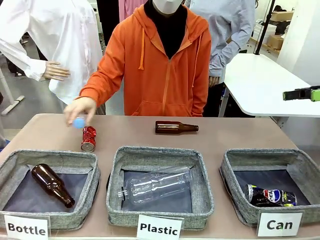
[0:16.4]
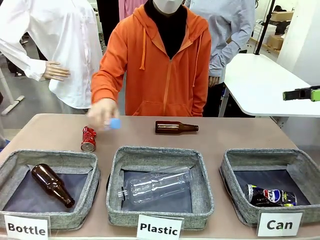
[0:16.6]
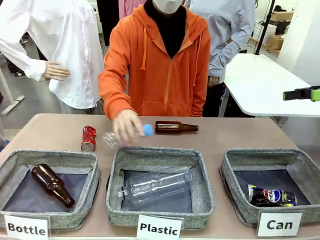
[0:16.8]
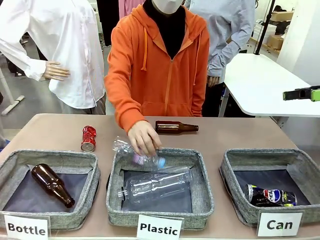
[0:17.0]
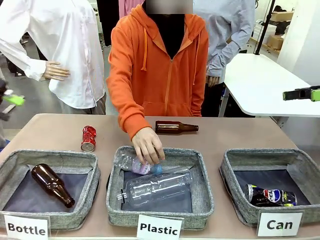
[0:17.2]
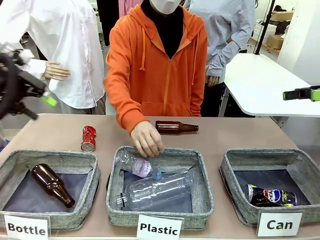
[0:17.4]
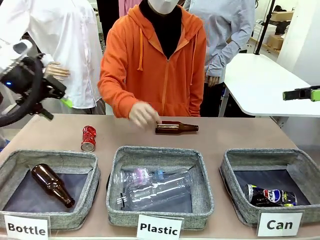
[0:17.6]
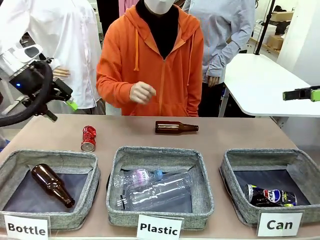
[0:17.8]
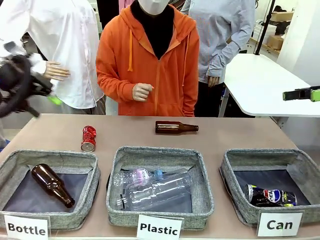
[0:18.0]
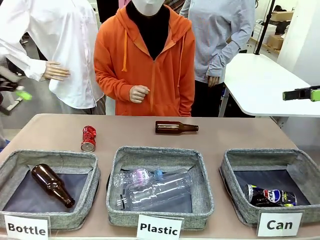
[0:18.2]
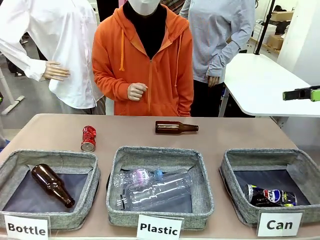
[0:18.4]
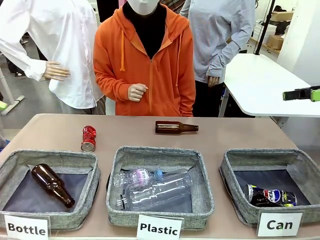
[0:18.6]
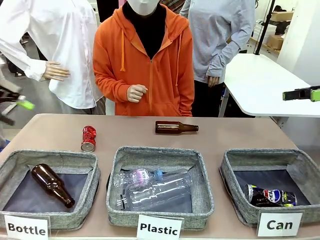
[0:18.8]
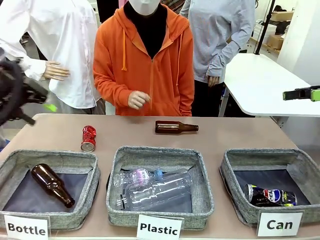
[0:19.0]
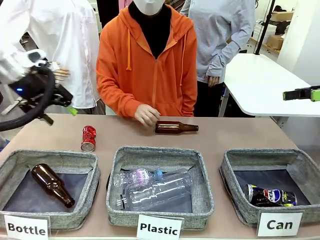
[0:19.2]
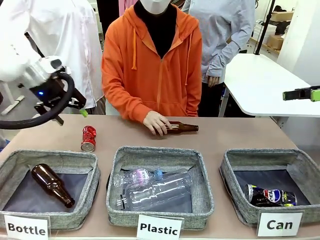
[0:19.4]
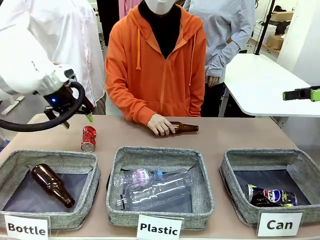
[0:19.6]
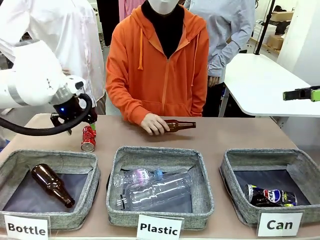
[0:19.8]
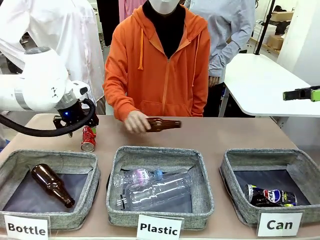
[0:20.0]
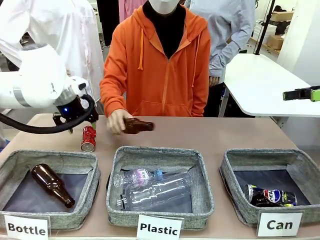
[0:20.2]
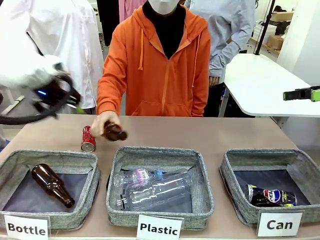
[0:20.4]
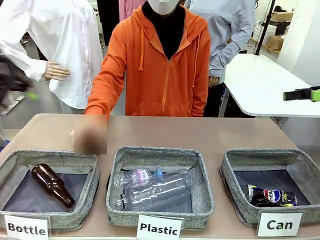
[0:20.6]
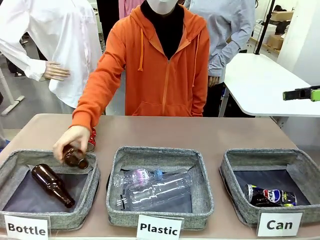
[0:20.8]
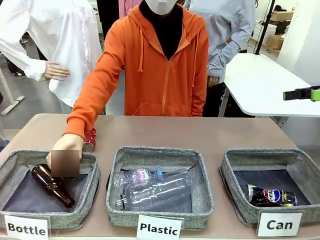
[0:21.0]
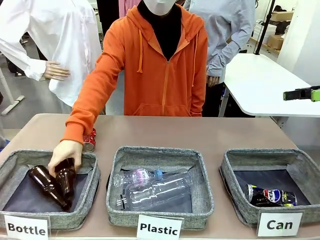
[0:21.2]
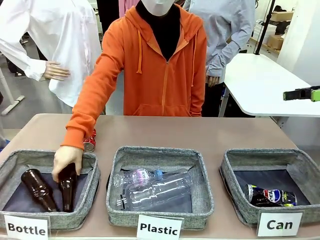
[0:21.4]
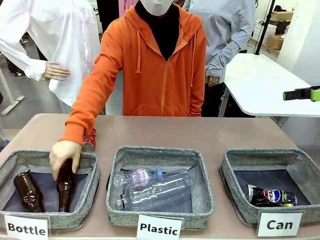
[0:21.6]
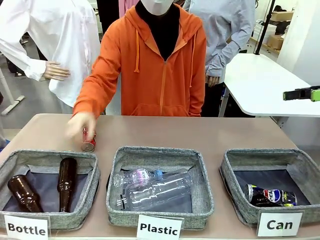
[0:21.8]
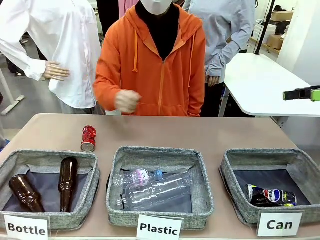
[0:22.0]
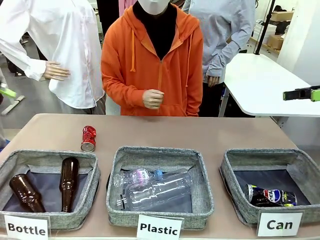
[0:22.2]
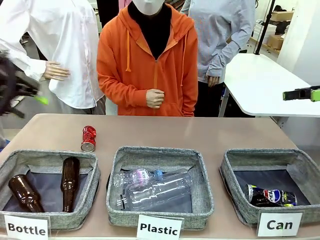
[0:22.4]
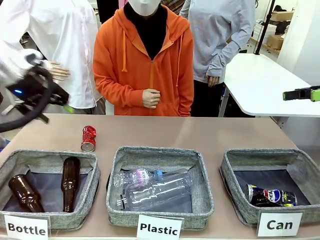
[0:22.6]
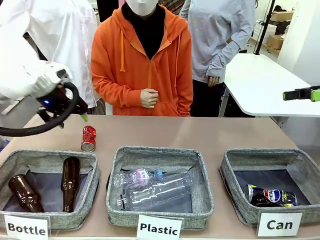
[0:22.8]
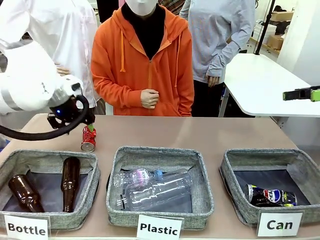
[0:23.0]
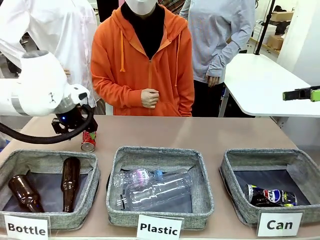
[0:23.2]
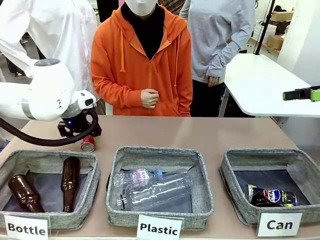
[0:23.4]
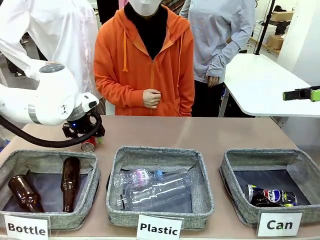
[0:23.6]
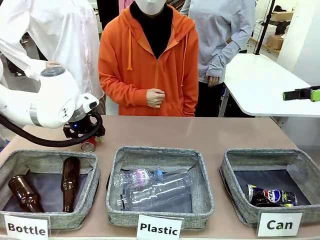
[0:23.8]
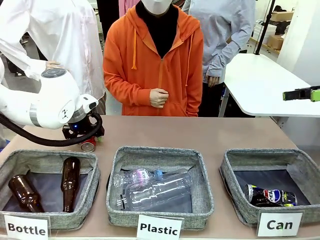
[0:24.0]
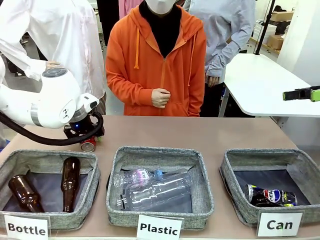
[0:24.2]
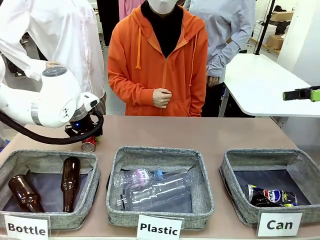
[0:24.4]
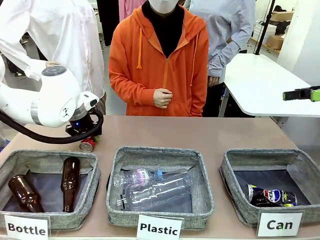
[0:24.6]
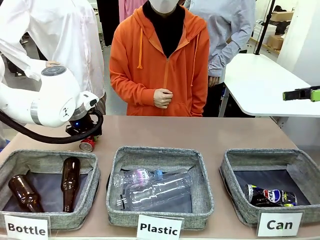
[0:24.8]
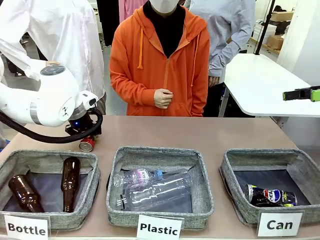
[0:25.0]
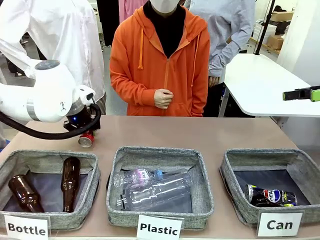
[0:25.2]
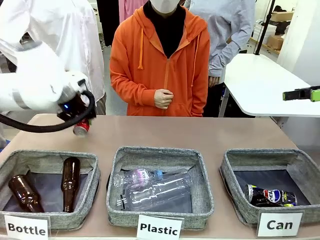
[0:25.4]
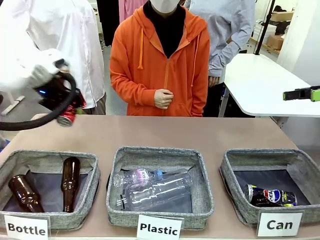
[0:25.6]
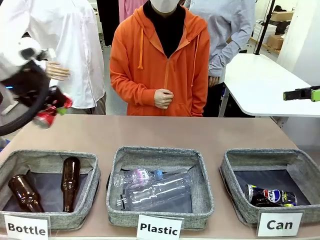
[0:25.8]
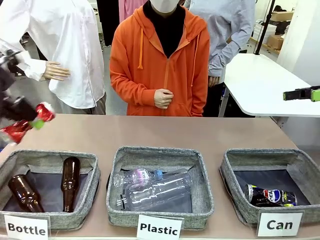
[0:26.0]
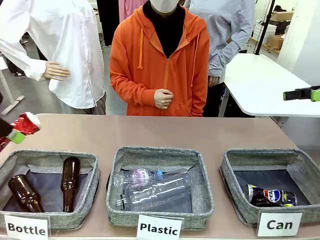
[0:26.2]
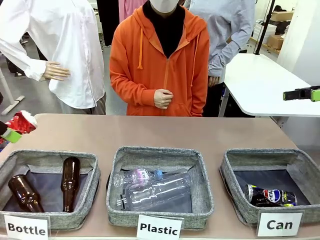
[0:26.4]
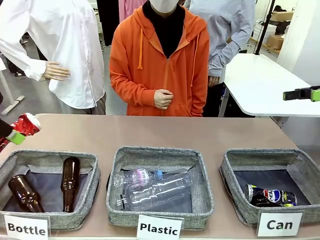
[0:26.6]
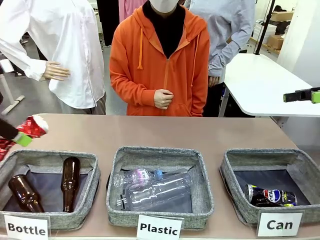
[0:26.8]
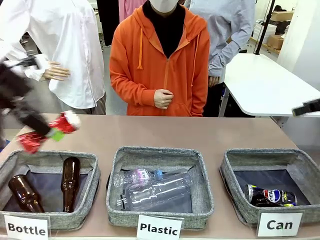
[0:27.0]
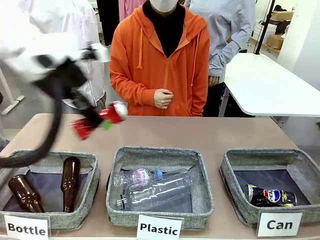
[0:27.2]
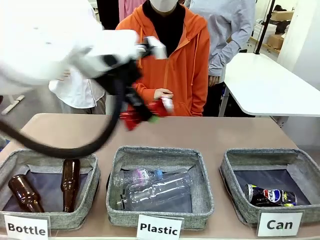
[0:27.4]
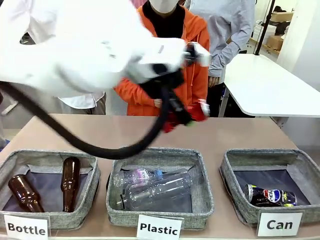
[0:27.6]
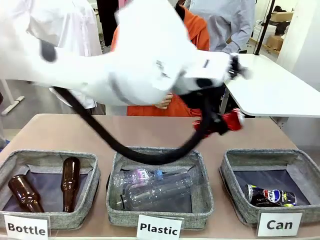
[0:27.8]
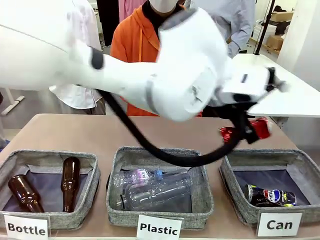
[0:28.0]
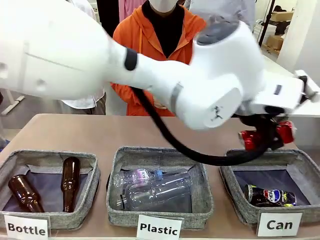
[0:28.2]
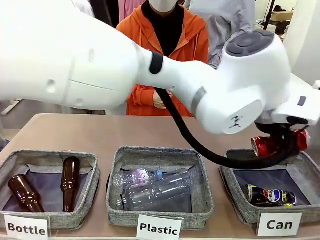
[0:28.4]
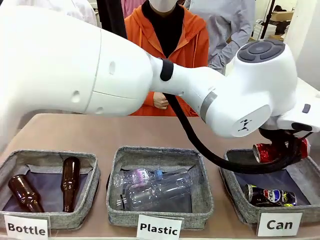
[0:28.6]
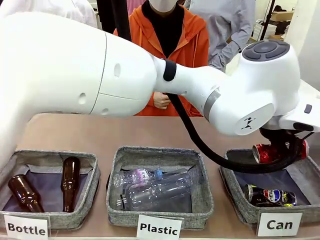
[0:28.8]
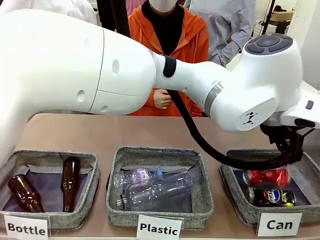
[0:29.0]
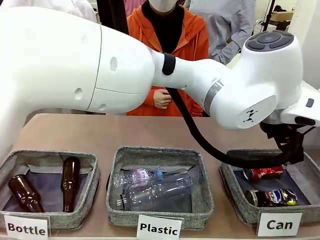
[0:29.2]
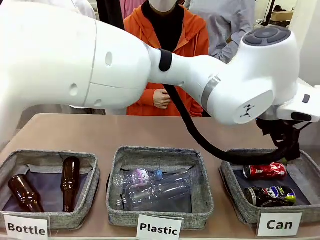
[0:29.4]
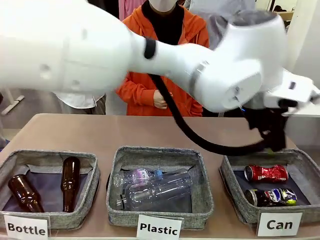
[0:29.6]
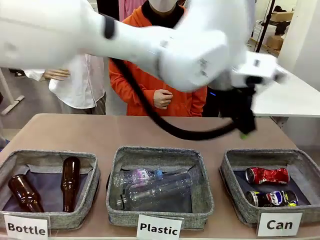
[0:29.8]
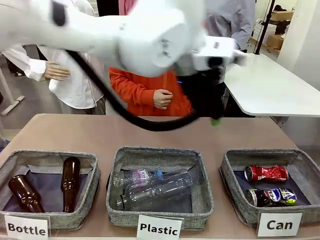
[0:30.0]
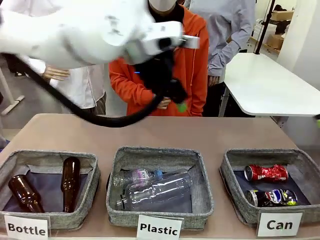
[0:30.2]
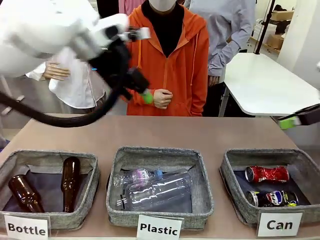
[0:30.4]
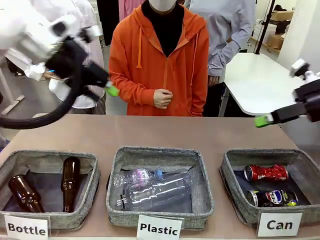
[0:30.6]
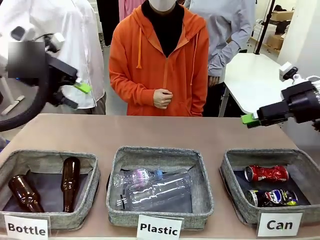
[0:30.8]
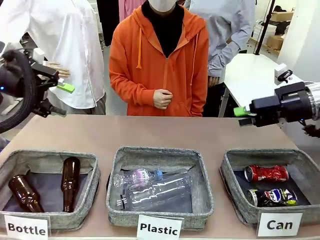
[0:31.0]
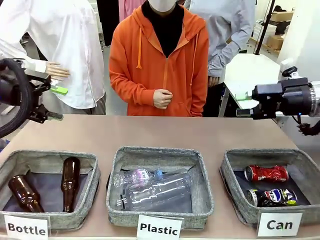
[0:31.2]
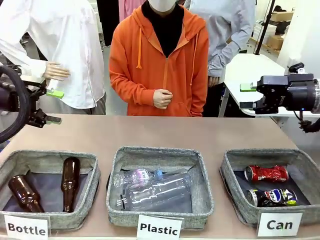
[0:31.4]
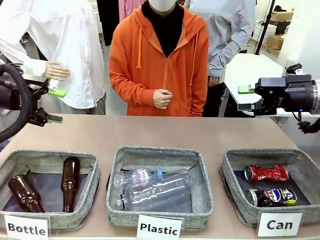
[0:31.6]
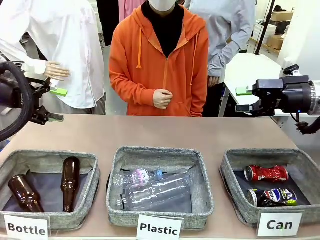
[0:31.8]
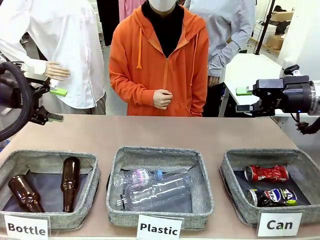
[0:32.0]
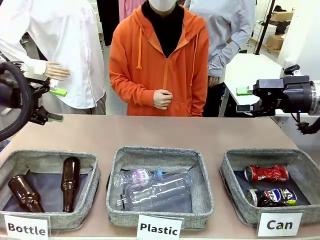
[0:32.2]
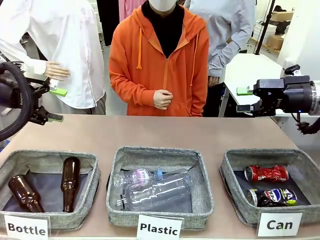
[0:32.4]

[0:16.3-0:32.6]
Task: Sort the can waste into the basket.
Robot: Pick up the can waste from the table and place it in the right Fabric basket.
